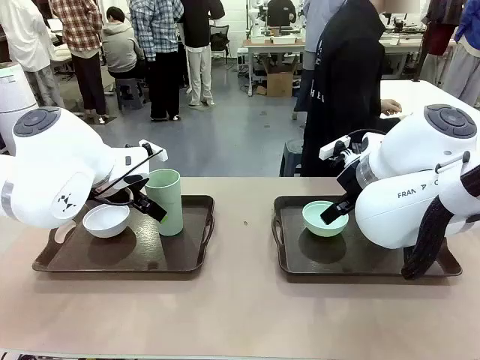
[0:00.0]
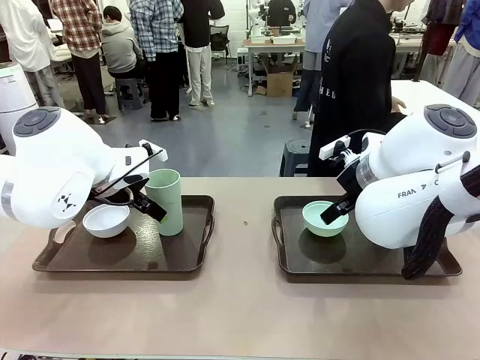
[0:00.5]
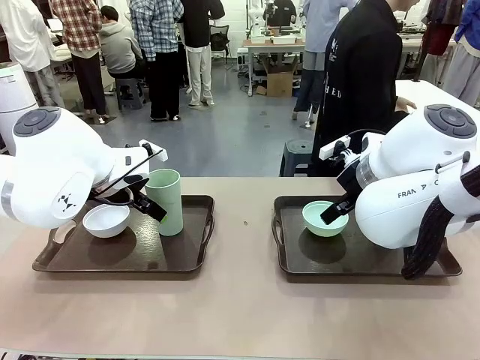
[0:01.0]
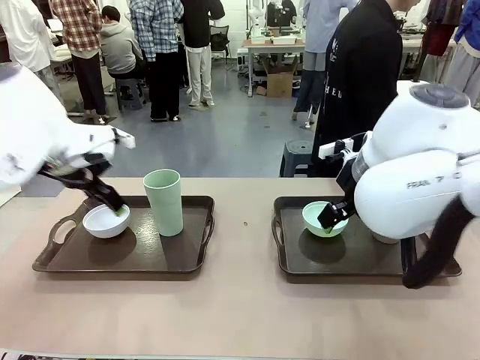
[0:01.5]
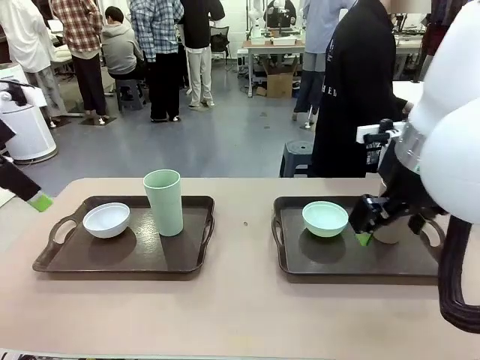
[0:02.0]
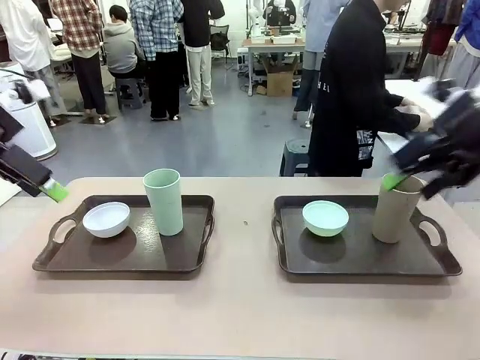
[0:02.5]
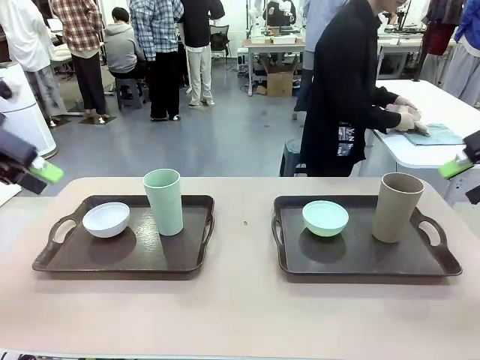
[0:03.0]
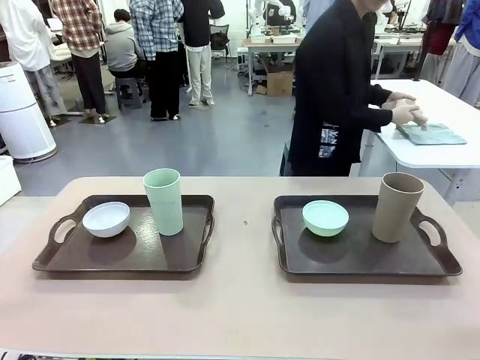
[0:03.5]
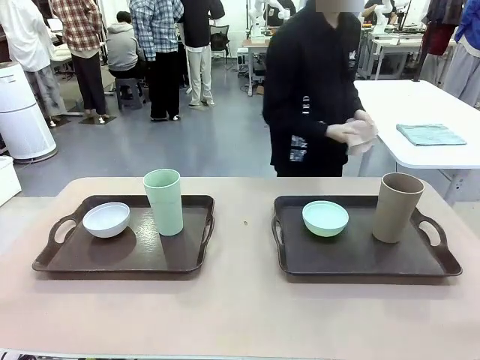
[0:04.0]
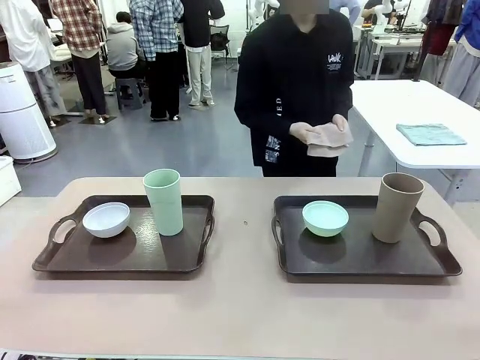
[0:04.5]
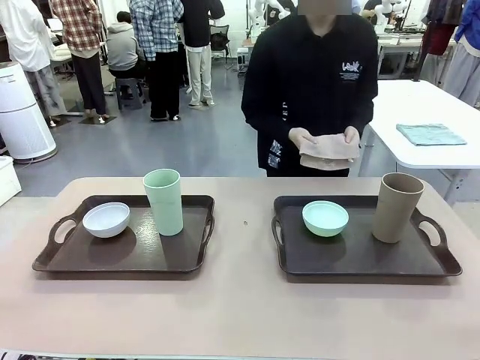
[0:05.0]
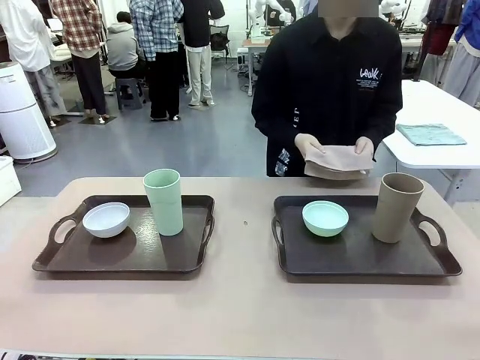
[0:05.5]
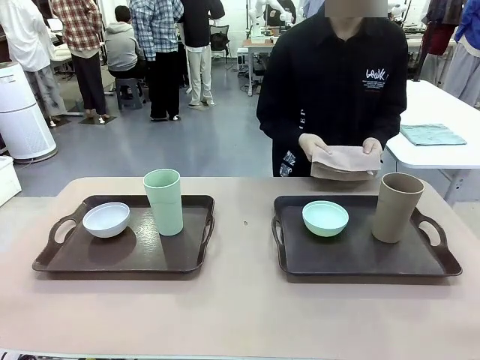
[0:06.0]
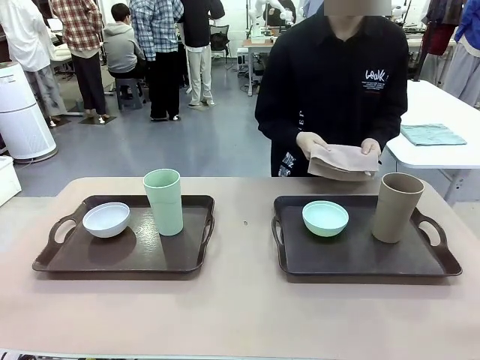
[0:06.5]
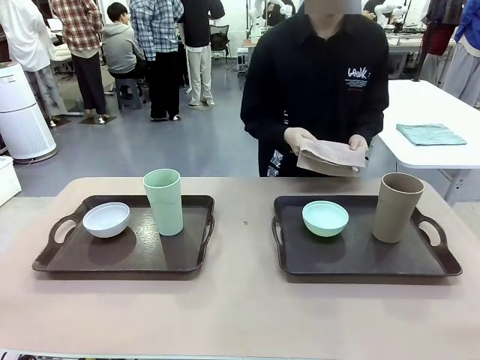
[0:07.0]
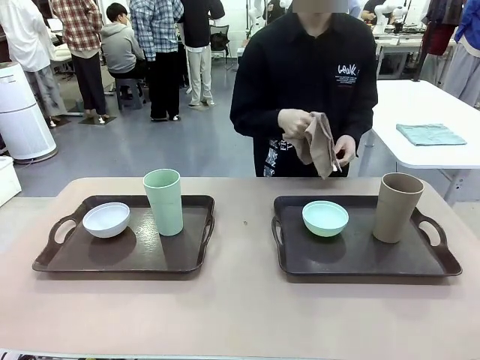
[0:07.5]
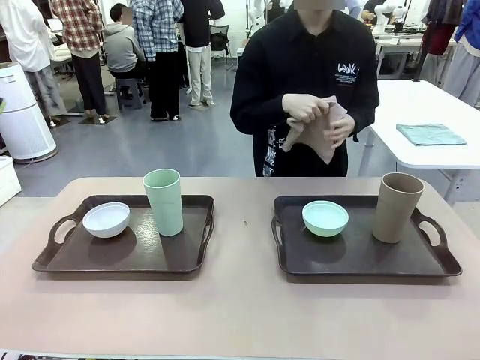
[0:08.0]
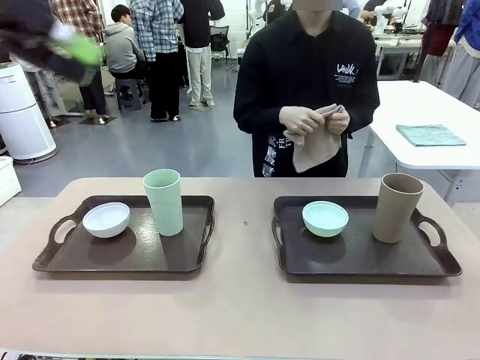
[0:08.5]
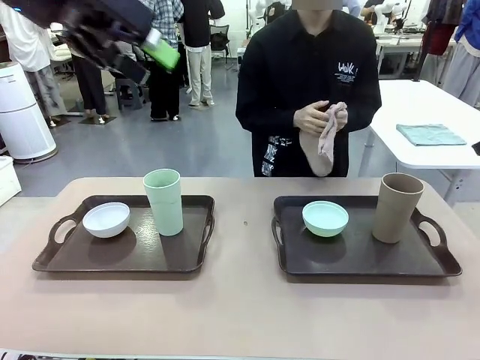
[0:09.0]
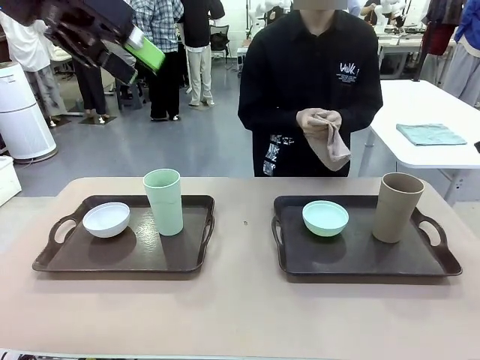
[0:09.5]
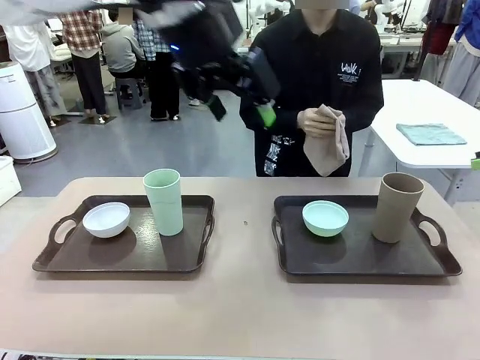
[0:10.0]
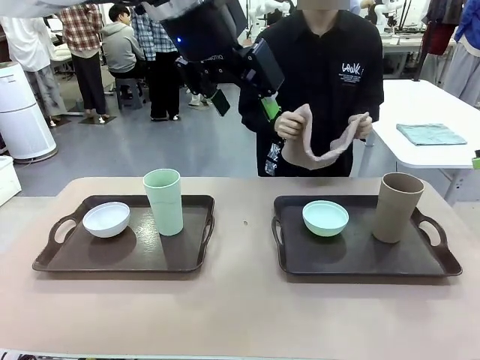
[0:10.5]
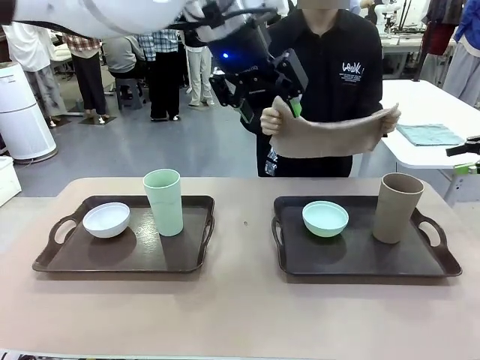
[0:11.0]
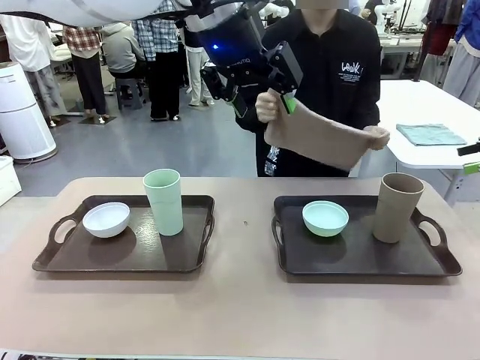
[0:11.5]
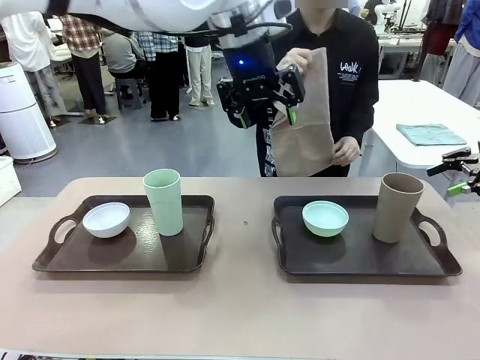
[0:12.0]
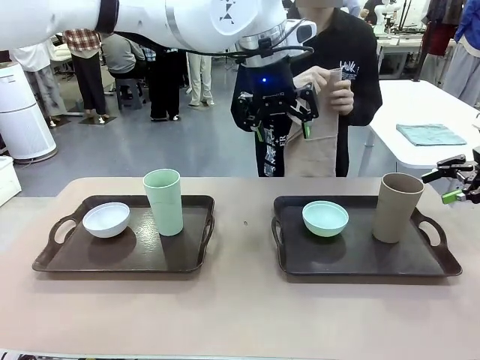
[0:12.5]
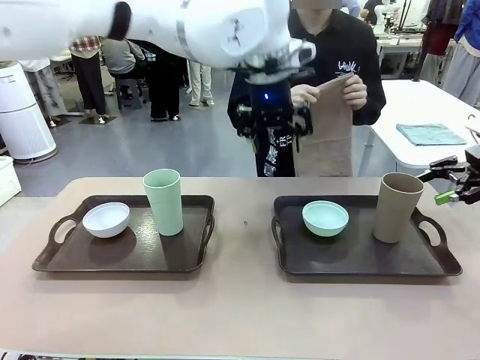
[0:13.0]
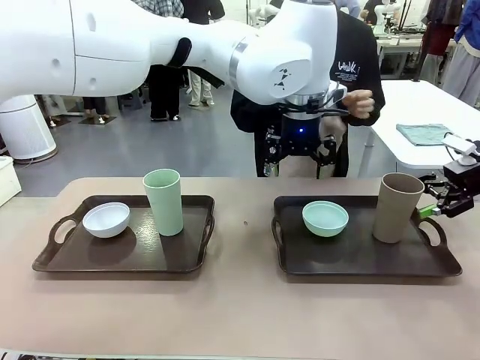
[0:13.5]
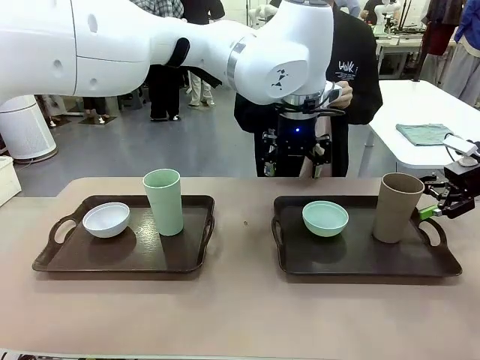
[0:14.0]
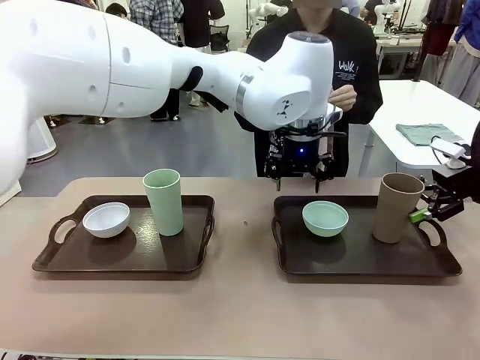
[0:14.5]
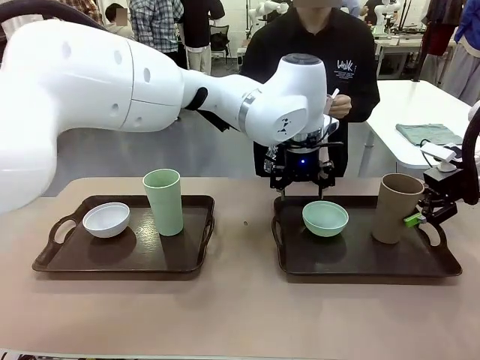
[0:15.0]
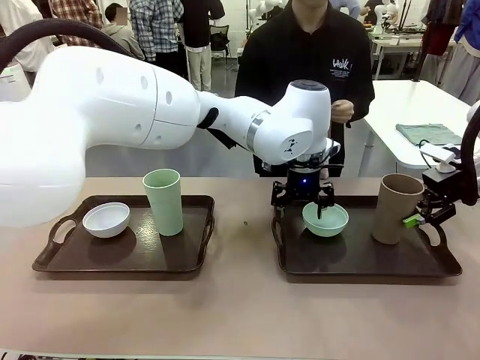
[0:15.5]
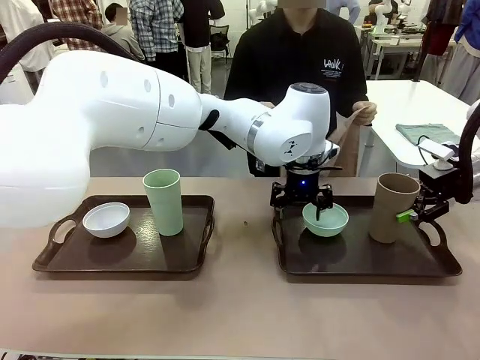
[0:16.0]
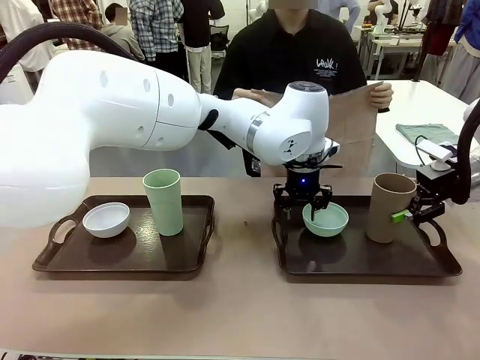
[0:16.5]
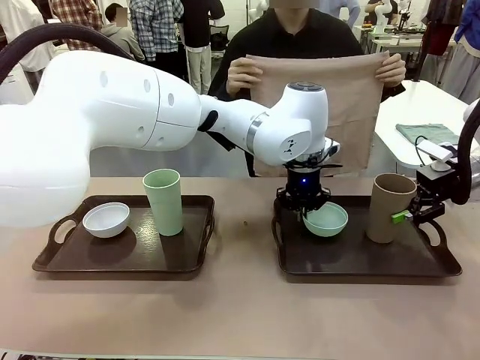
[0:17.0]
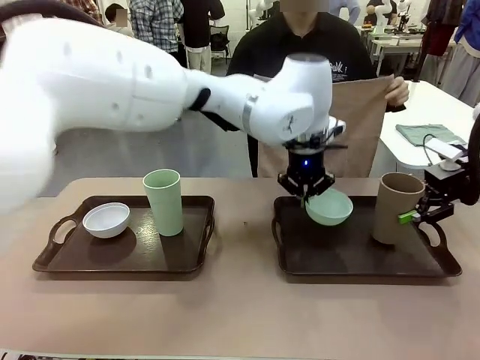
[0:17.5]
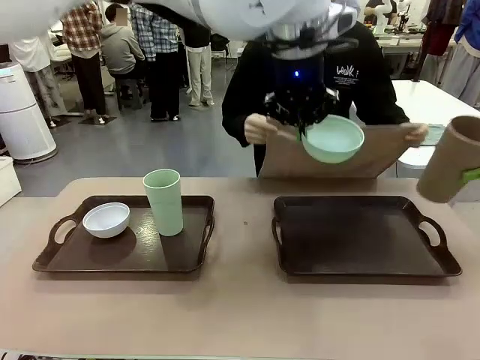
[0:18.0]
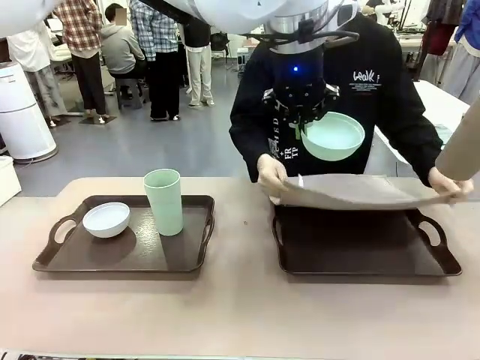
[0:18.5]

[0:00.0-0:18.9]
Robot: Pick up the Picnic Bowl and Reusable plastic cup from the Handle tray in front of the human's position and hold them in the air.
Person: The human picks up the top napkin from the stack on the human table and walks to the robot table to stand in front of one of the two trays. When the robot lifts the bowl and the cup, the human unfolds the napkin and lays the napkin flat on the tray.

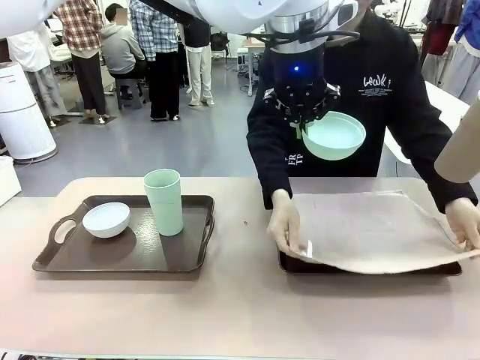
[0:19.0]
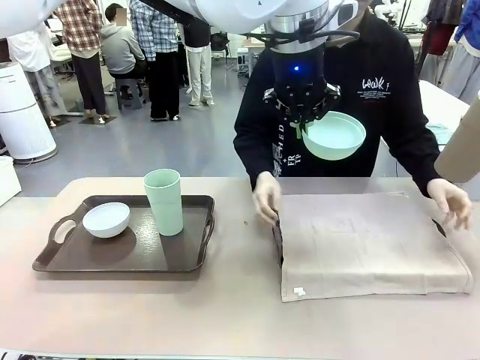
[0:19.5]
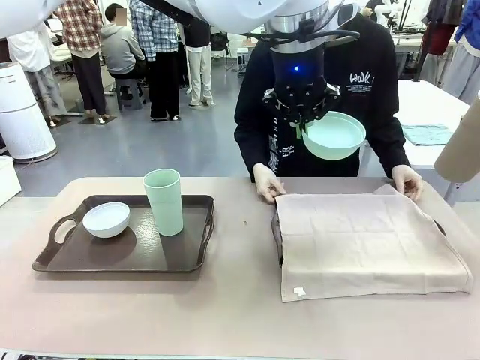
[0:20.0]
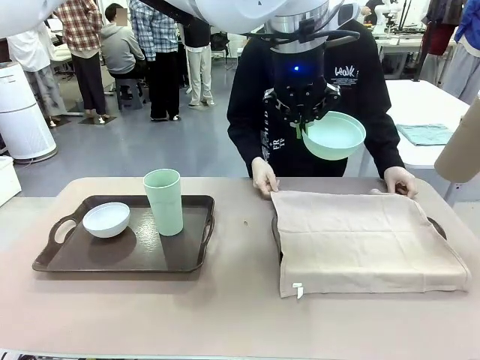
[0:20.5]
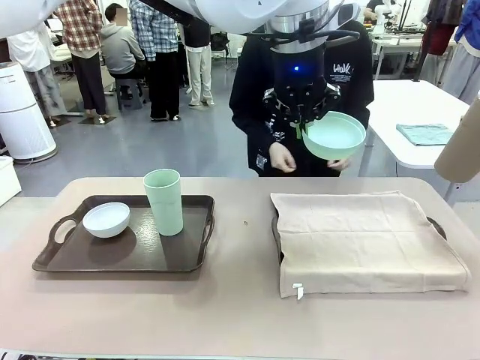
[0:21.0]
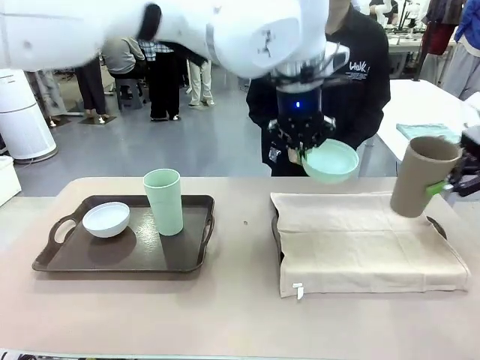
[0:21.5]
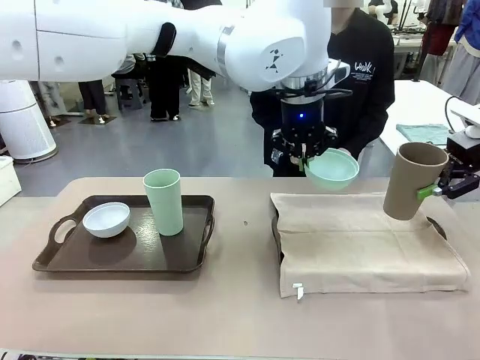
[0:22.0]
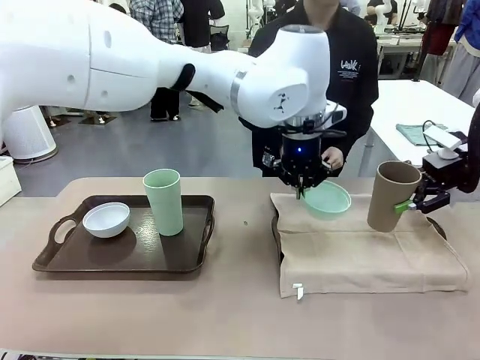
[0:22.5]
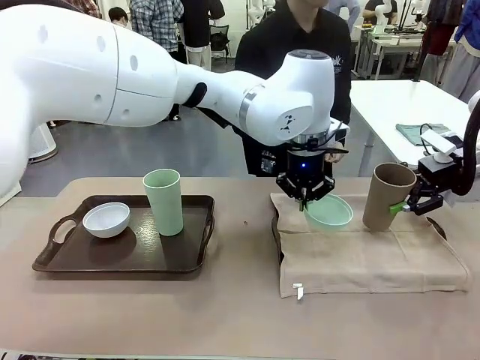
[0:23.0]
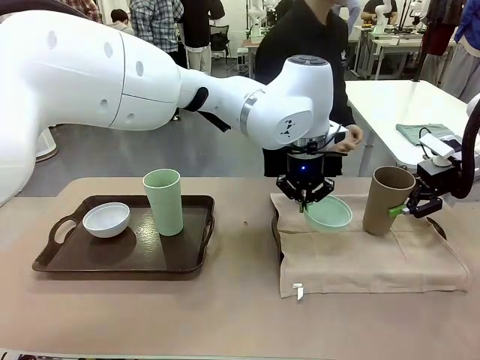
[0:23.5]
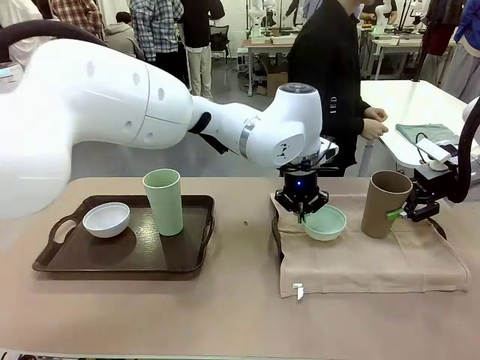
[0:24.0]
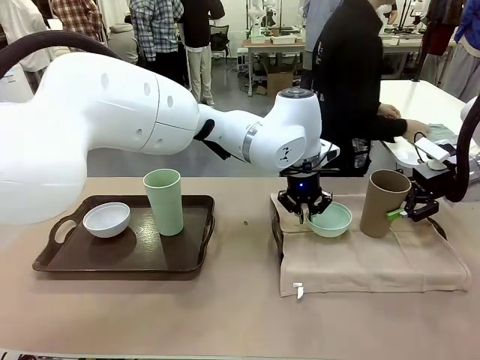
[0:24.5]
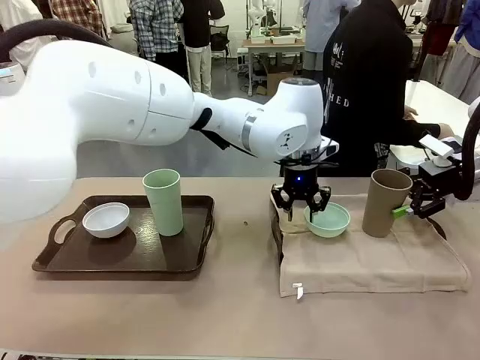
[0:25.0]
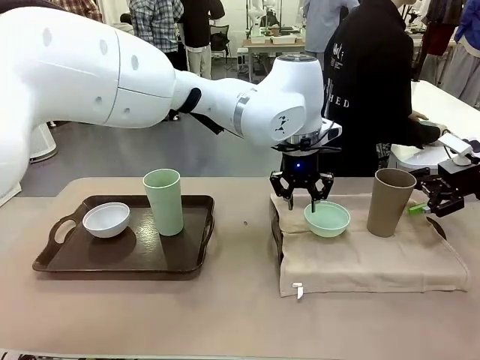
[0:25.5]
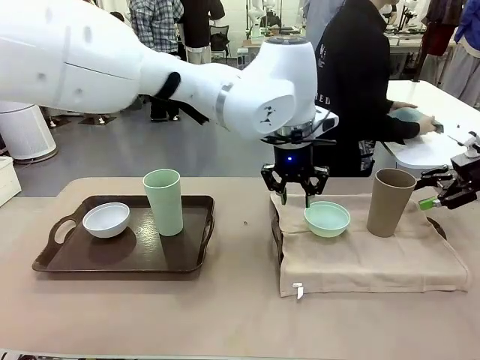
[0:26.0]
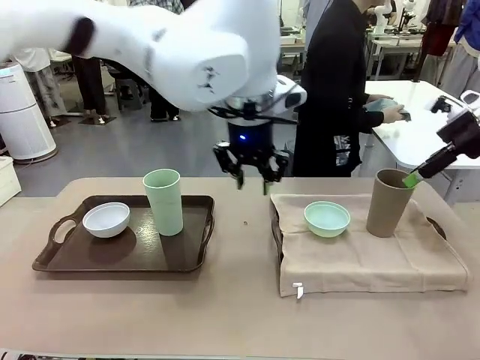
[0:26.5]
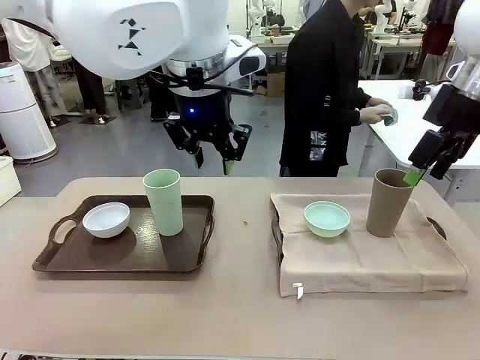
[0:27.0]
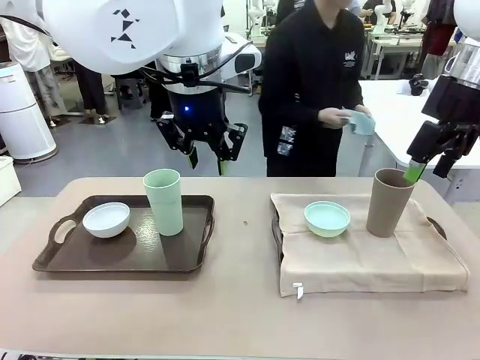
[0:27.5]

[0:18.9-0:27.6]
Robot: Place the Picnic Bowl and Reusable plastic cup back onto the Handle tray in front of the human's position.
Person: The human returns to the human table to pick up another napkin and walks to the robot table to stand in front of the tray without a napkin.
